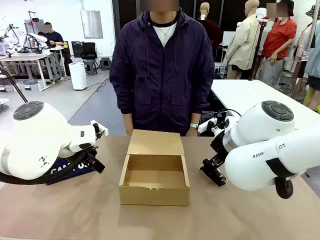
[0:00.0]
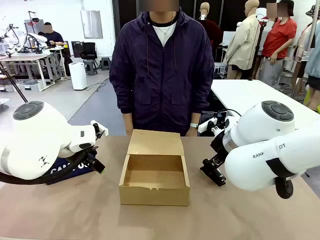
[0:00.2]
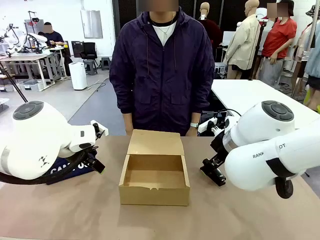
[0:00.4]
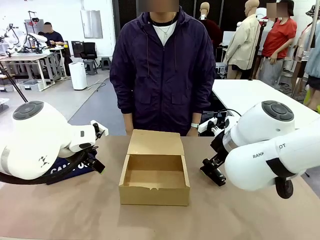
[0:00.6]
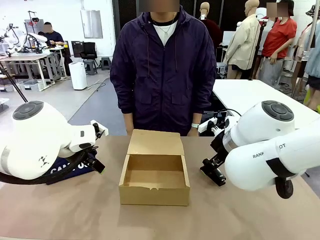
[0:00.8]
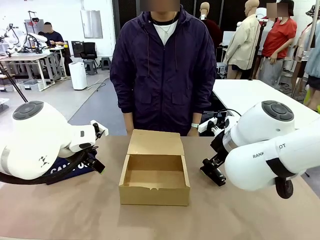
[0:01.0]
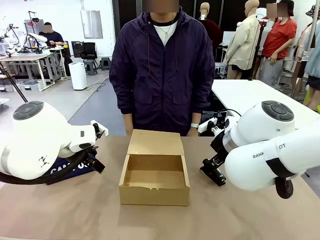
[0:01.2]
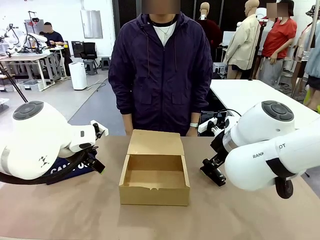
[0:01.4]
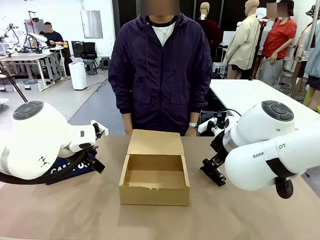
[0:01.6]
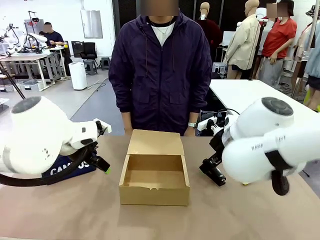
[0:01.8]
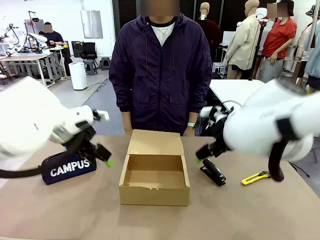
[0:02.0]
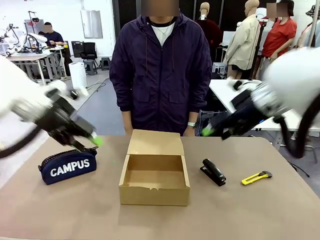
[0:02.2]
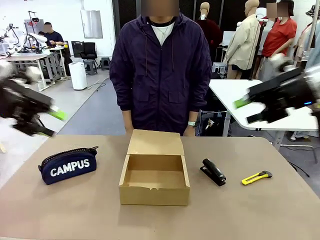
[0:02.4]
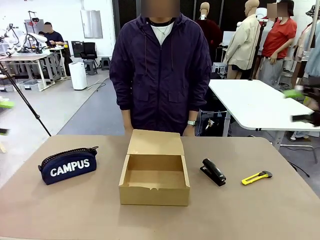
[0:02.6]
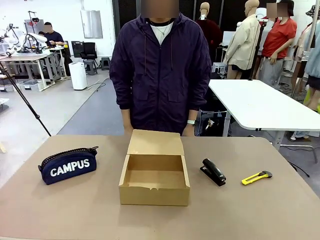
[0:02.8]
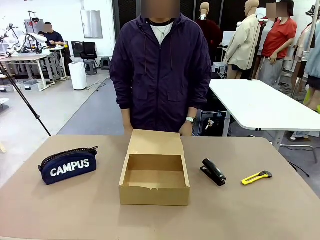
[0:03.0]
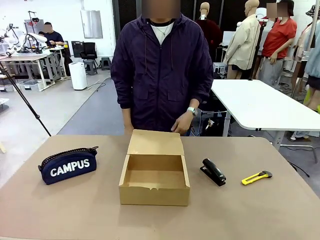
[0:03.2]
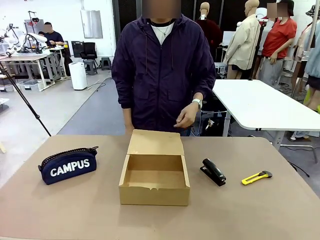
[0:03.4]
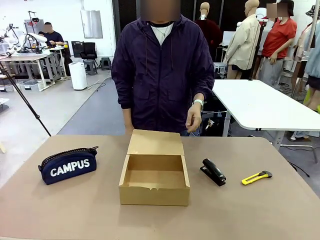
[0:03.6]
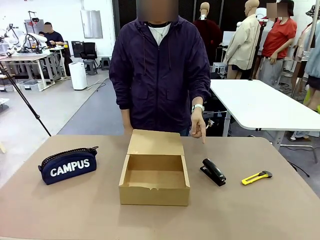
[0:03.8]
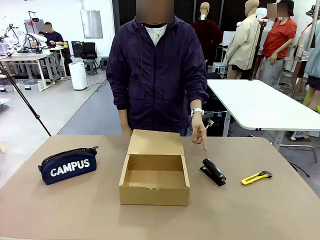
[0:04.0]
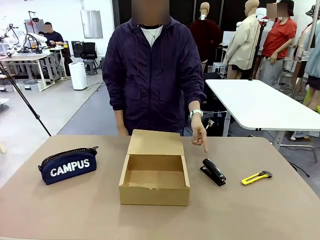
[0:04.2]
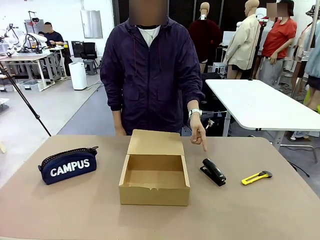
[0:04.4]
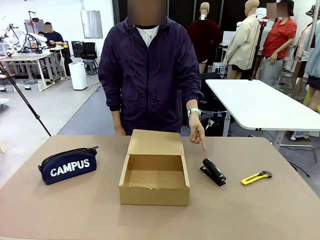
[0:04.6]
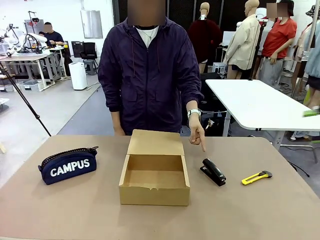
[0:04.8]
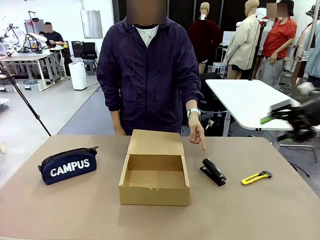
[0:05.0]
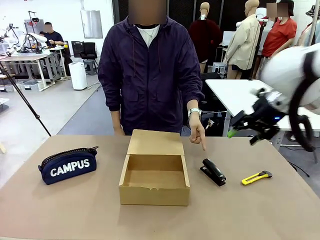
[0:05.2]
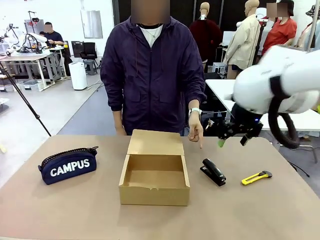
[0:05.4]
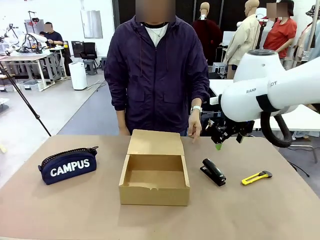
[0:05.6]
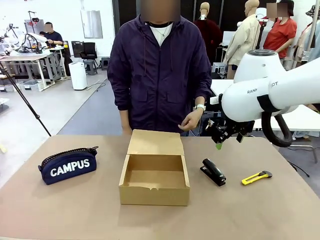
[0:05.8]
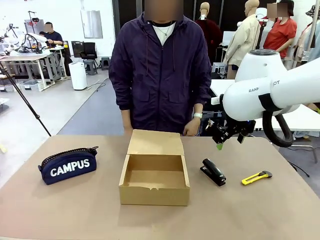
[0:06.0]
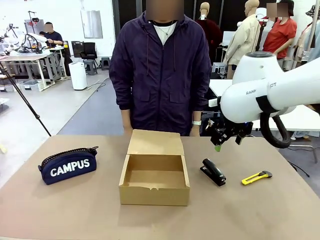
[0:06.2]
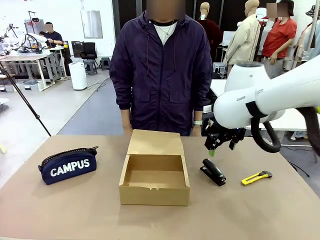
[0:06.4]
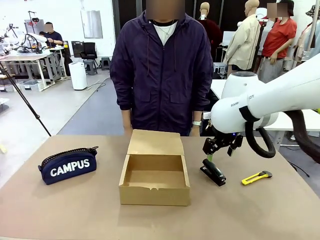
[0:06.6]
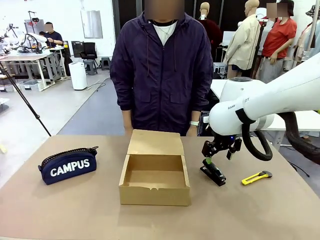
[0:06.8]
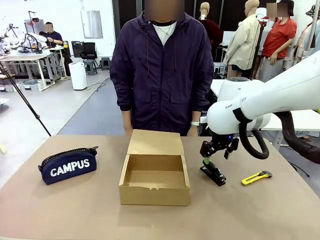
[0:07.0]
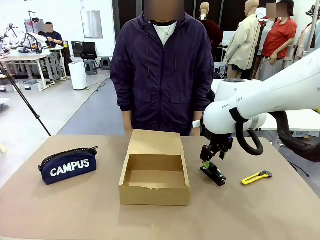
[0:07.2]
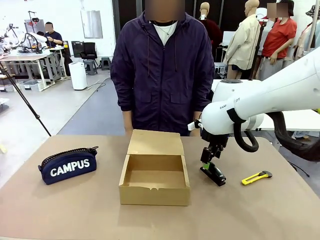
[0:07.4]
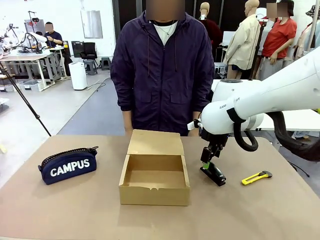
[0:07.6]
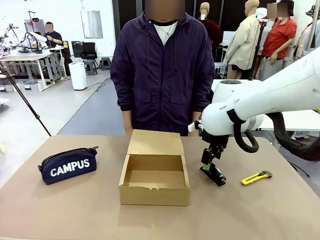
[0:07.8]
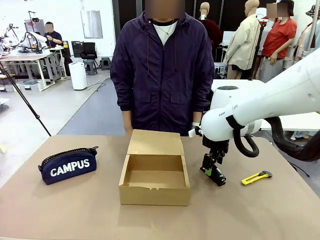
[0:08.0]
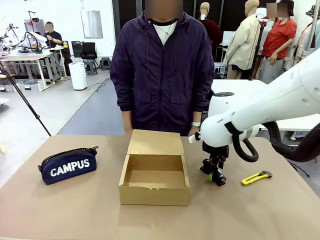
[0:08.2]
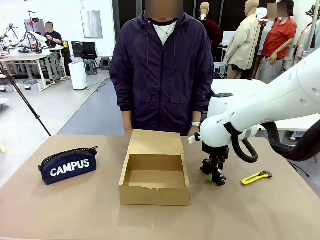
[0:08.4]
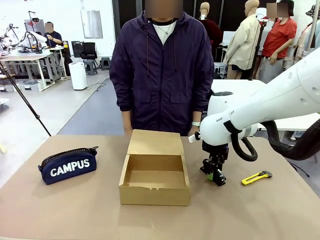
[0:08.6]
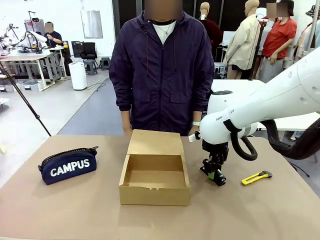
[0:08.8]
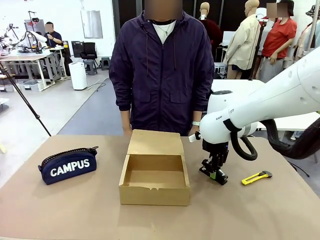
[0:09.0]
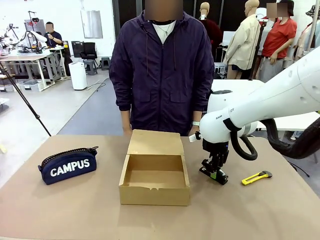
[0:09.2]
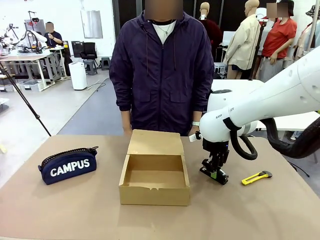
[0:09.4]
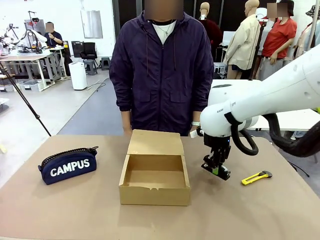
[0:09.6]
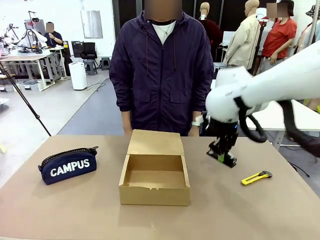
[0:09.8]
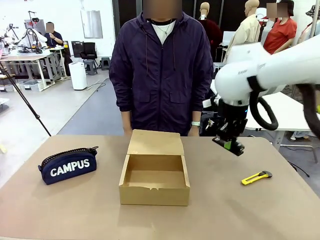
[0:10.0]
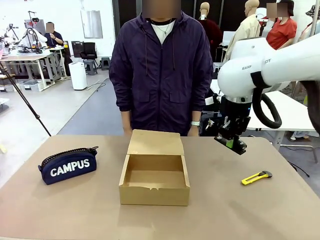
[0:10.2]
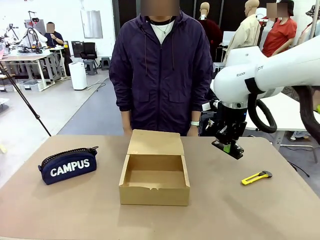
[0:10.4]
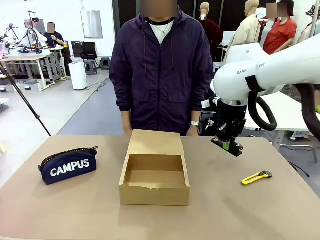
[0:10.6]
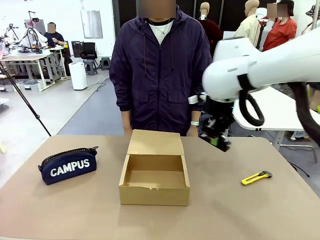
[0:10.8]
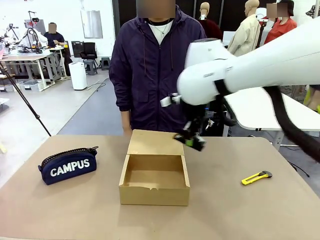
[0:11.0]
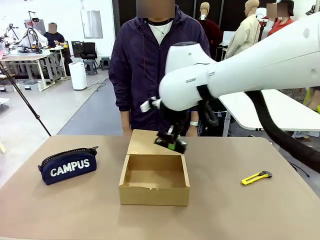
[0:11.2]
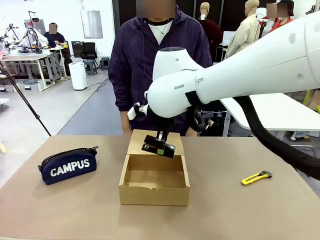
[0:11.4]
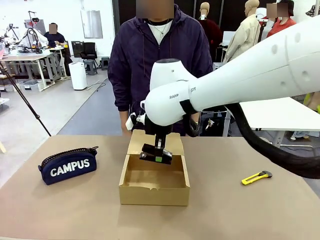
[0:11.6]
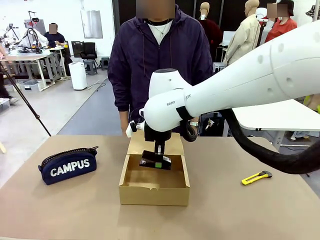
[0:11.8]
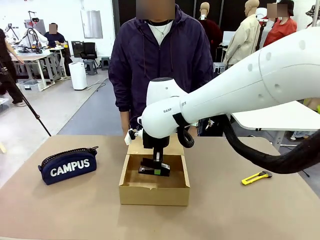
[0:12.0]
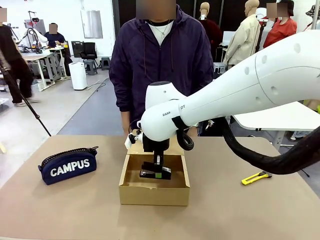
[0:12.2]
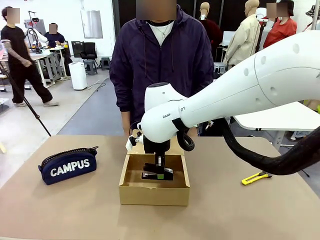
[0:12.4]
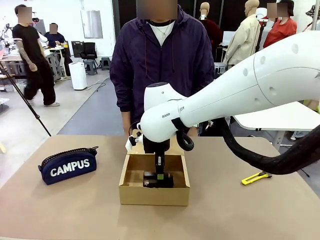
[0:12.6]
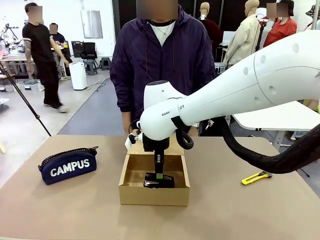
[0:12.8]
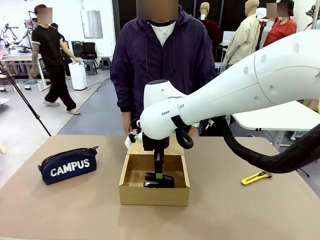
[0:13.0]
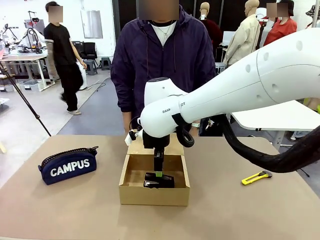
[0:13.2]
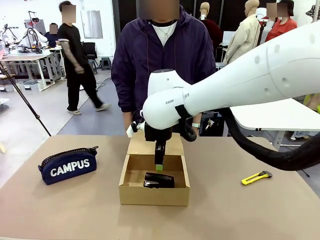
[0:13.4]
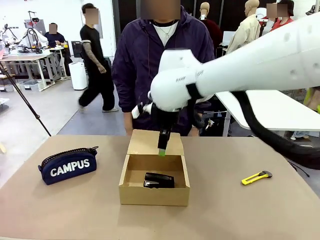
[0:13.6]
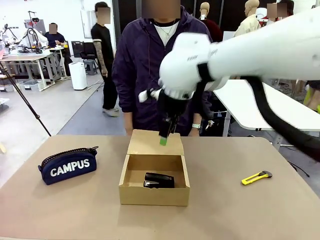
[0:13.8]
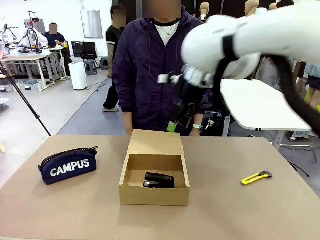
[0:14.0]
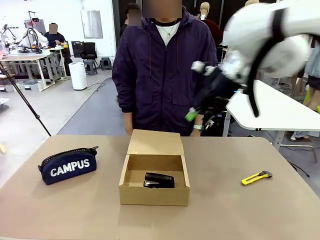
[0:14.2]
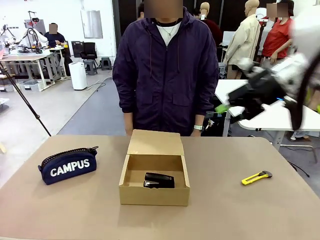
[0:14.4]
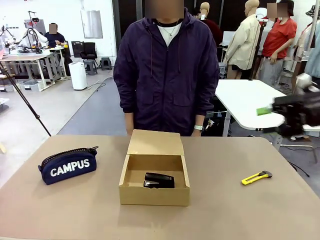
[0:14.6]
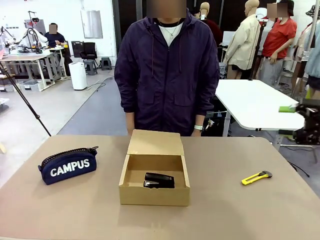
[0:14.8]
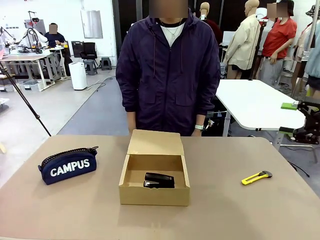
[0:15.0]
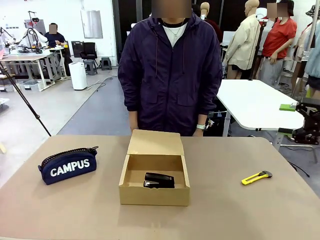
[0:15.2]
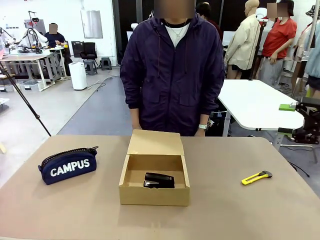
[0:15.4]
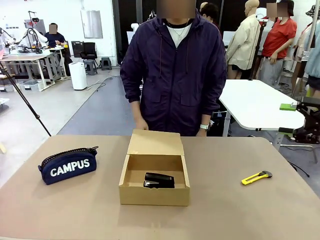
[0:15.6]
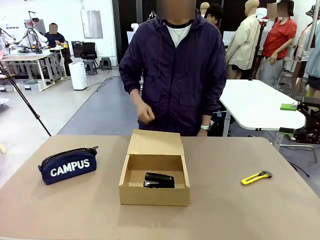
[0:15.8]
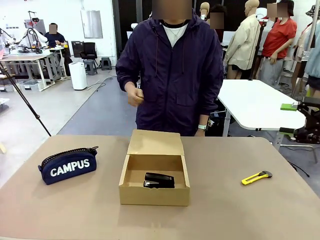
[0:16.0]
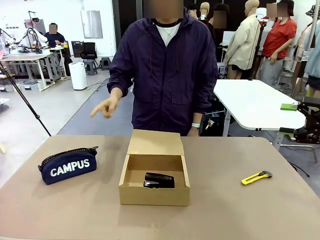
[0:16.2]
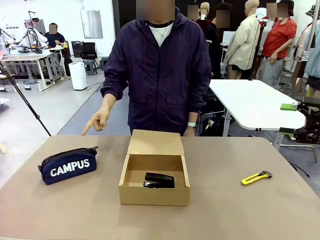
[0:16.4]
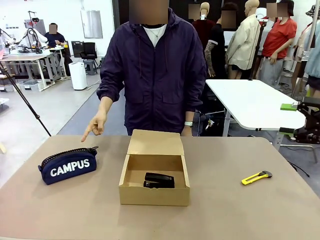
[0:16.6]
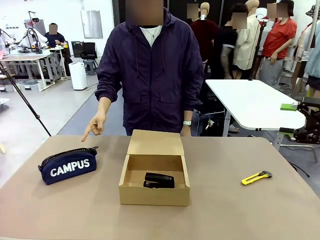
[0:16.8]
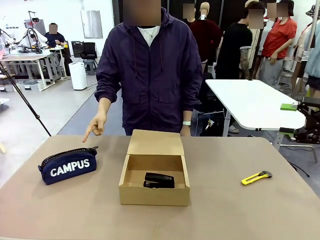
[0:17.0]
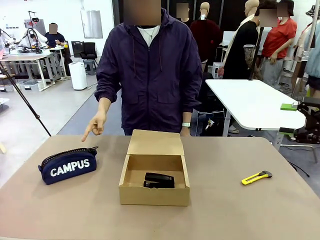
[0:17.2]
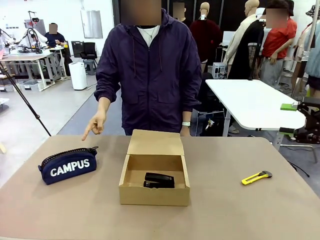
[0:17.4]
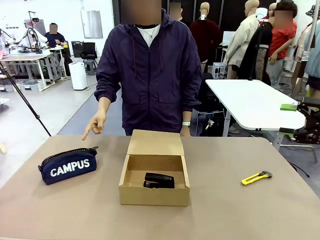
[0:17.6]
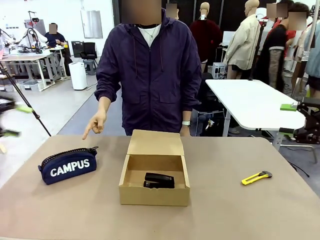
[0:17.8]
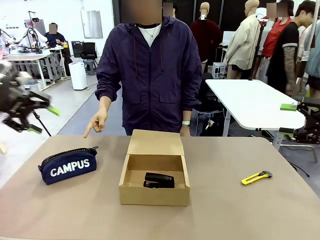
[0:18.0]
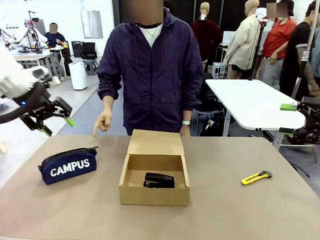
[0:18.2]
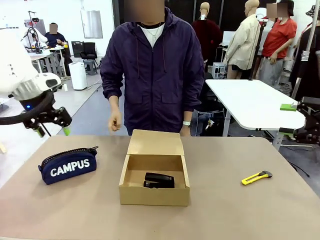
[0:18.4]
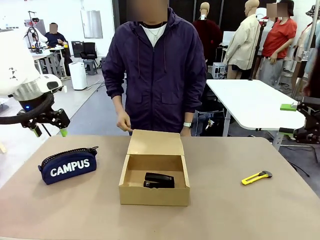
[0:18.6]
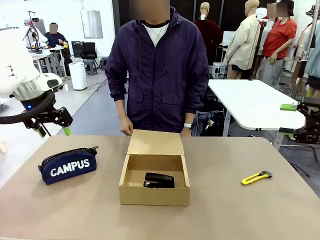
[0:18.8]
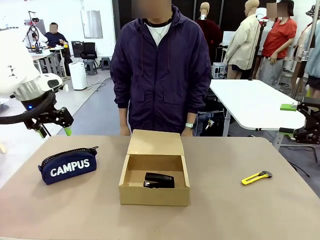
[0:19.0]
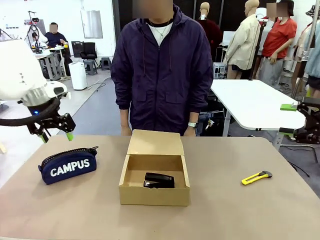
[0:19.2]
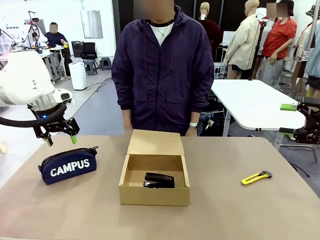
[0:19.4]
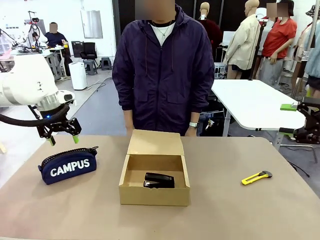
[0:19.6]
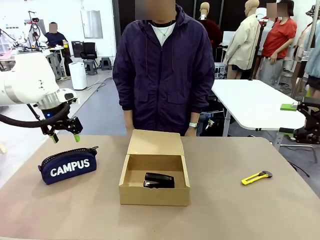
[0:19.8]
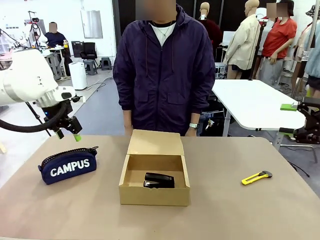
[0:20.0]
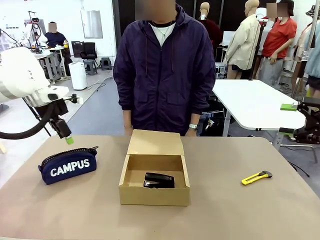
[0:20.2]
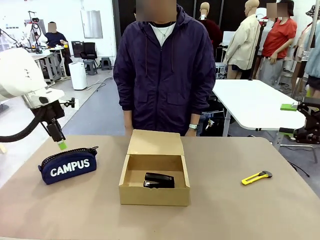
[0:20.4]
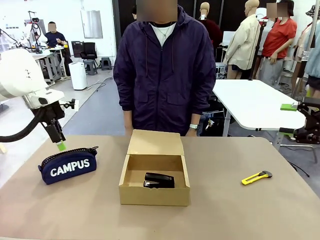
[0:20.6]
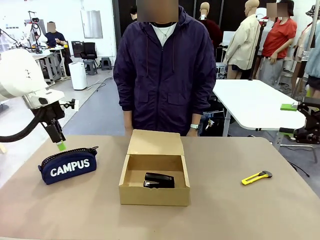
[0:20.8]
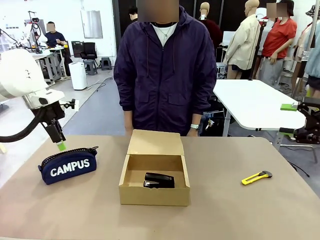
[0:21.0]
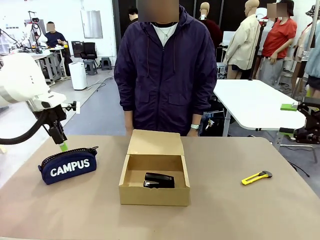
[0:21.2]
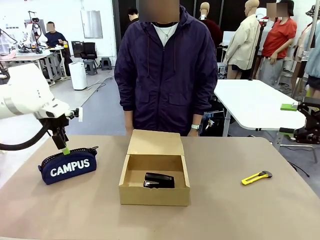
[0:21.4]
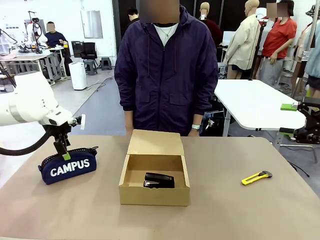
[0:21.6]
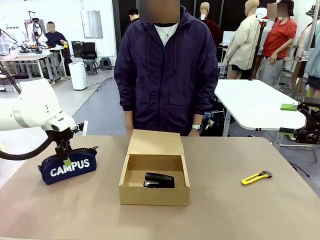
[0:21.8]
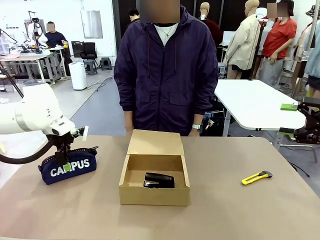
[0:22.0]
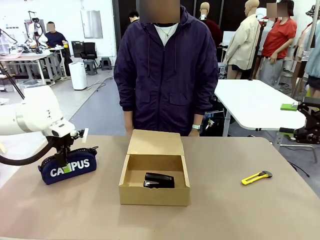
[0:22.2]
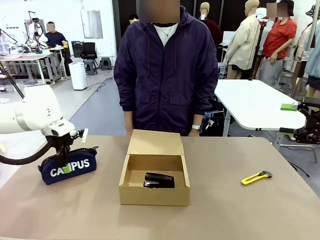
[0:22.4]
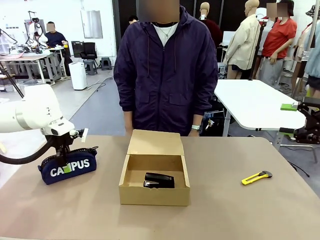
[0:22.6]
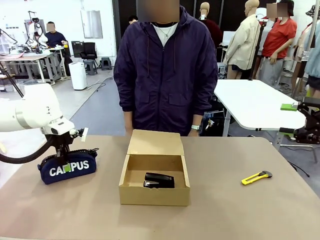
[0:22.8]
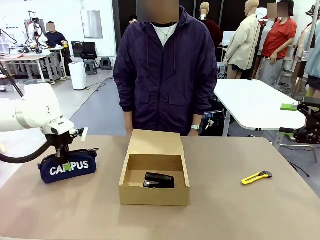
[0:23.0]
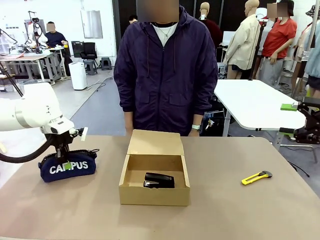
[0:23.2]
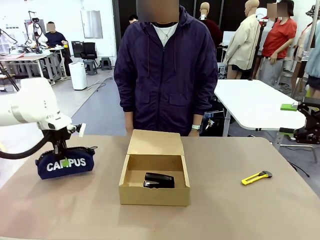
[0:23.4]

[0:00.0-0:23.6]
Task: Pack the items into the box.
Robot: Pick up the item indicated by the person and place it inside the Mailer Box.
Person: Point at one item on the table (excluding the box).
